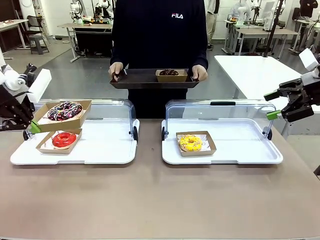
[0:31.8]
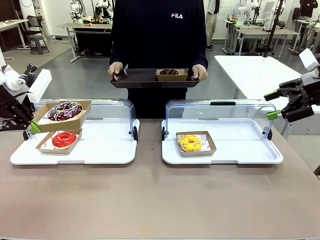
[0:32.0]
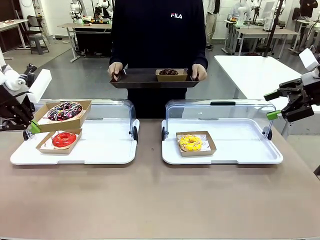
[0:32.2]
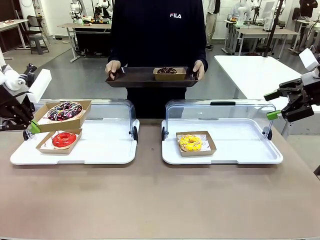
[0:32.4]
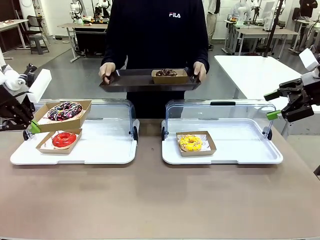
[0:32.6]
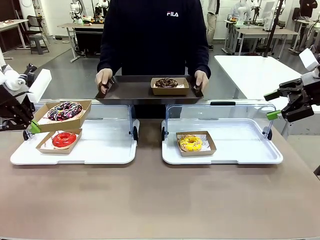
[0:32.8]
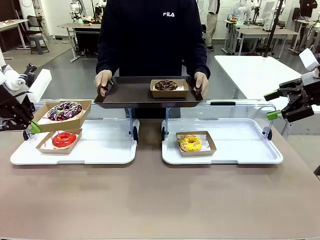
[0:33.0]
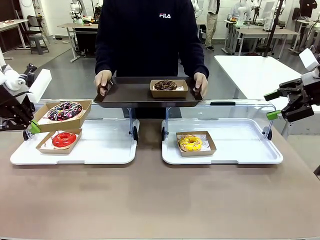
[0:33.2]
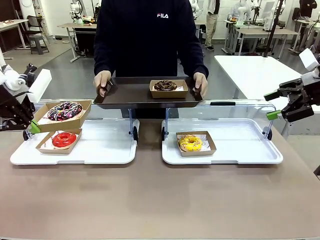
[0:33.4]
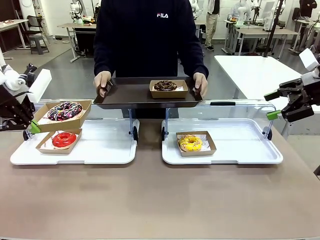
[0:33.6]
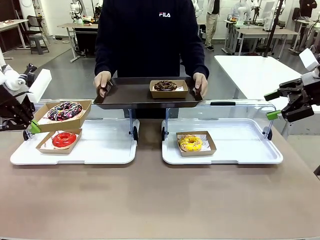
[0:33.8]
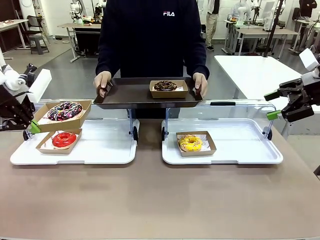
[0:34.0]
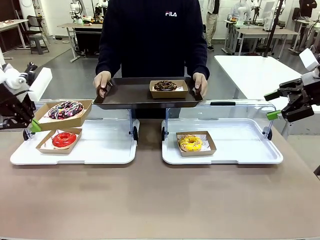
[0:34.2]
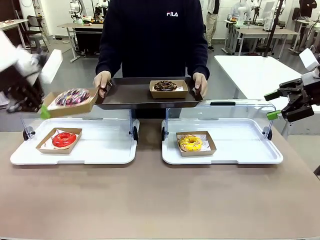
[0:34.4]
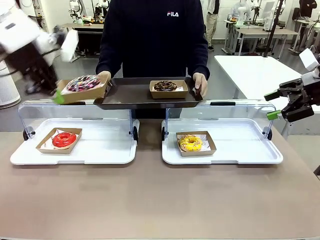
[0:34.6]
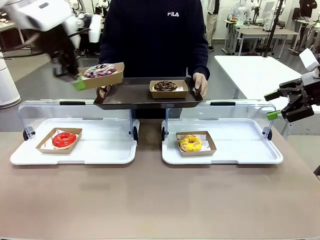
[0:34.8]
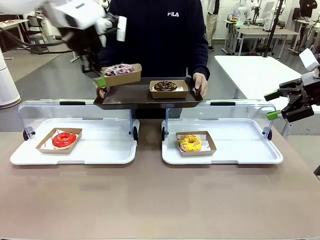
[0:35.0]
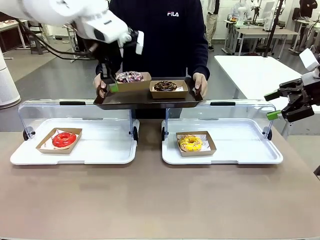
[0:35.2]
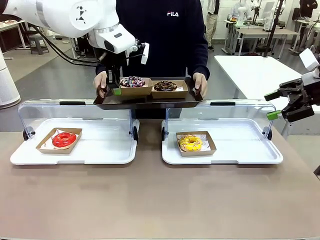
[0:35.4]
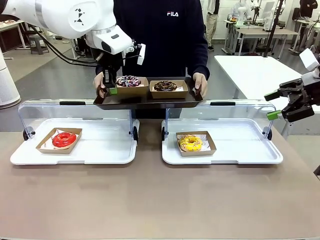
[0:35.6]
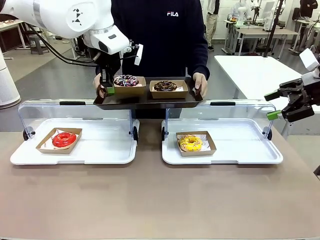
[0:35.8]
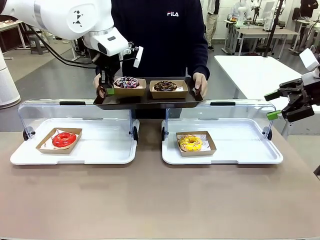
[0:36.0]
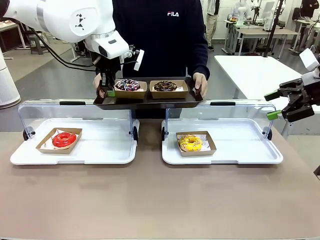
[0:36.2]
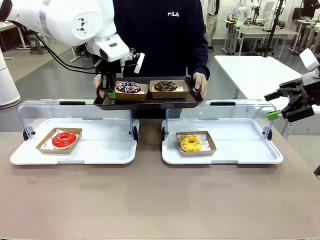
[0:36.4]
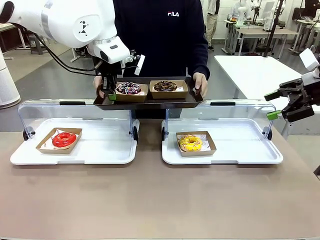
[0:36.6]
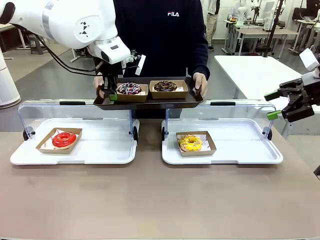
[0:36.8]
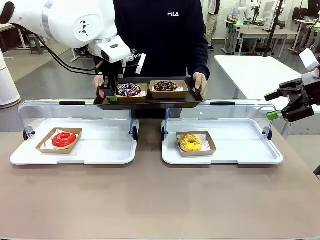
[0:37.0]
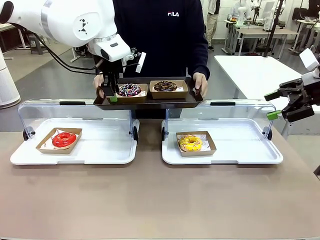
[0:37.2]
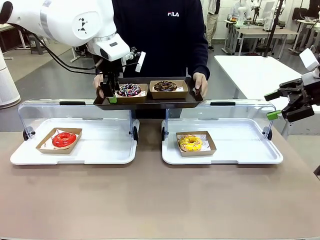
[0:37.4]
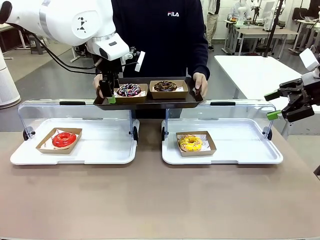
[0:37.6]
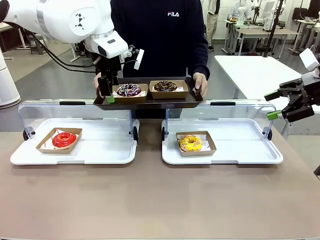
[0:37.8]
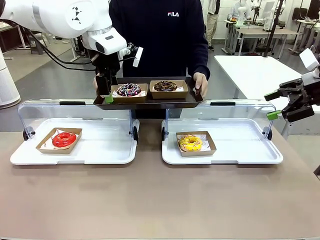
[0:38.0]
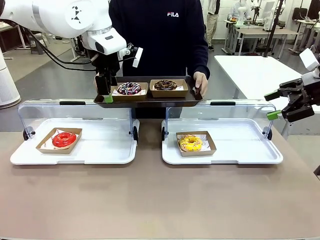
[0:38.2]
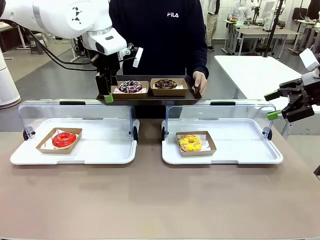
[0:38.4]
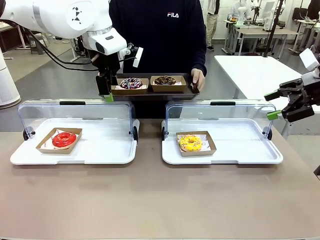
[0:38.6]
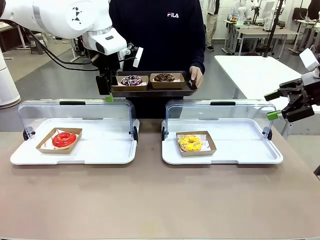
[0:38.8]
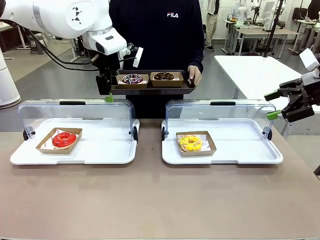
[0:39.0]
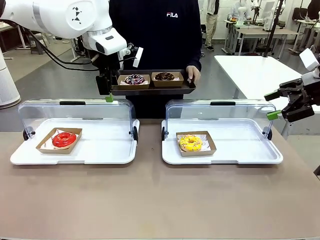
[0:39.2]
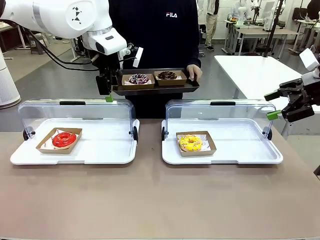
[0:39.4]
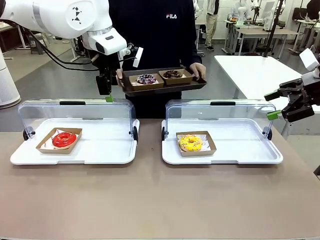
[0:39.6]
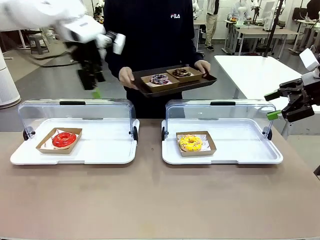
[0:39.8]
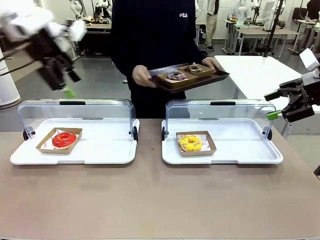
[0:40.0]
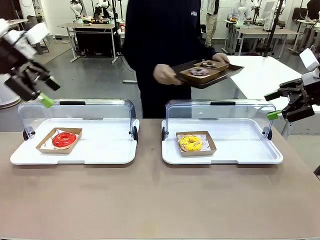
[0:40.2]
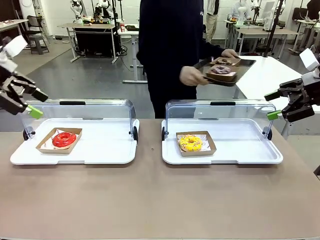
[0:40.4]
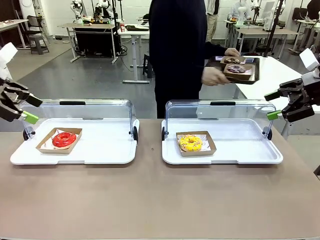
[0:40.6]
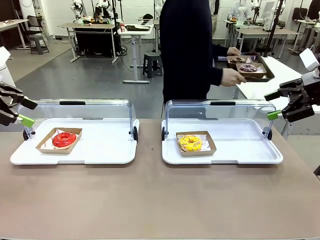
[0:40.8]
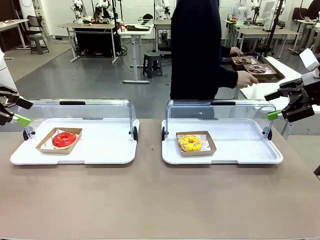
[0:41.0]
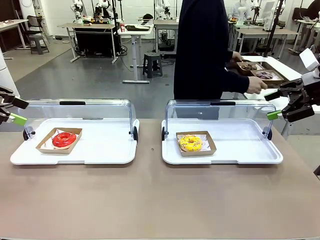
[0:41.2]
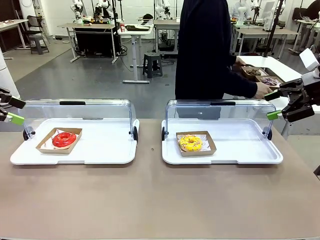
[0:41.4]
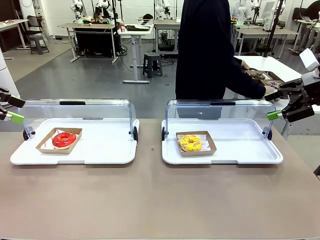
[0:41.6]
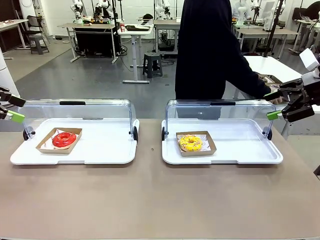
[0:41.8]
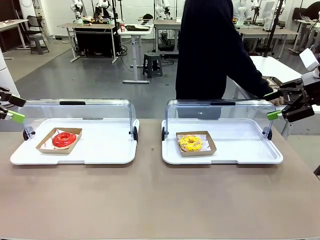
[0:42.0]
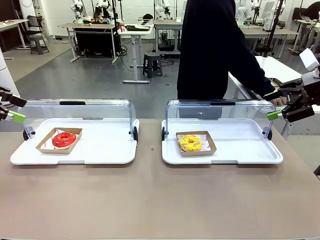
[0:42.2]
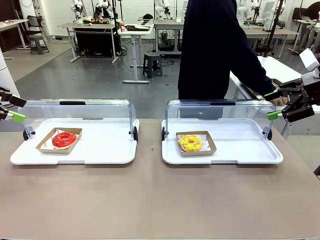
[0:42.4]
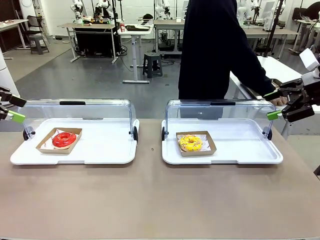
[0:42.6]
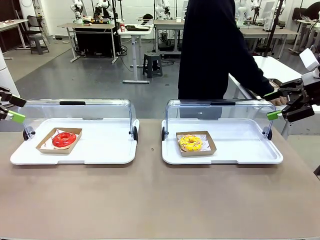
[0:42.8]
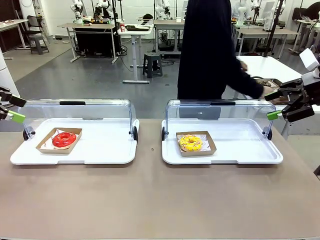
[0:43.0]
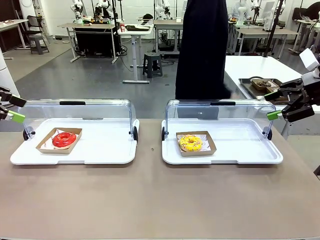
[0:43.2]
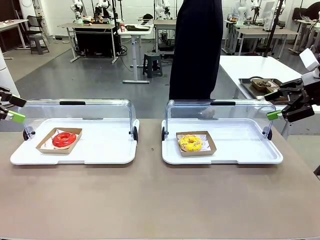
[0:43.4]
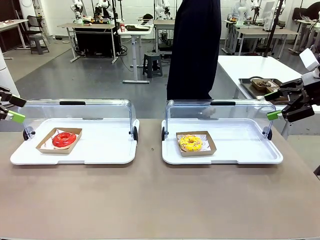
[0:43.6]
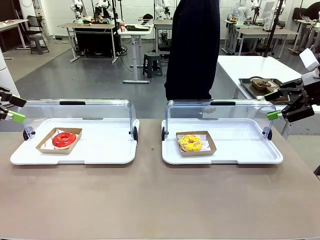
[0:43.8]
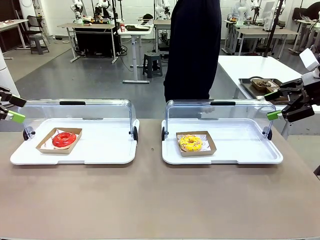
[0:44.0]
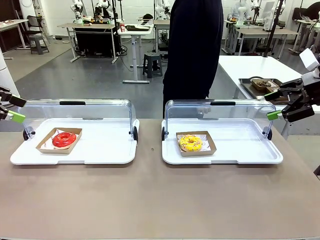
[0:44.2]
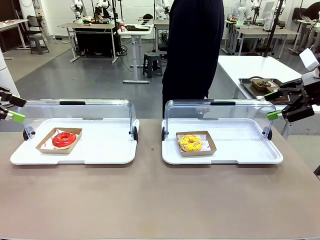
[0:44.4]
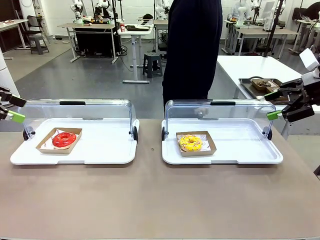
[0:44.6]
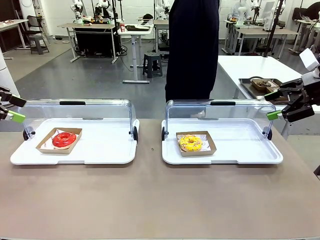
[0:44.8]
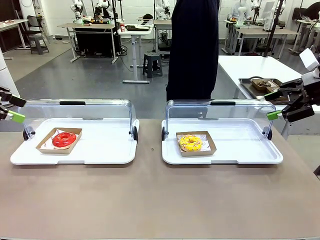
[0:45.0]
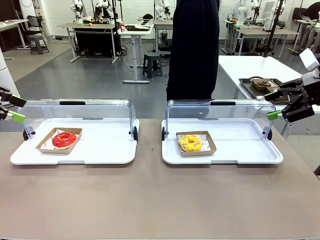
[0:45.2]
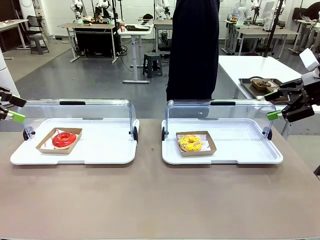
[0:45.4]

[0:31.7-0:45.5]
Task: Provide the desired donut to the person.
Robot: Place the picked Paper togo box onto the Handle tray extended by the person.
Person: Place the tray in the middle of the human table.

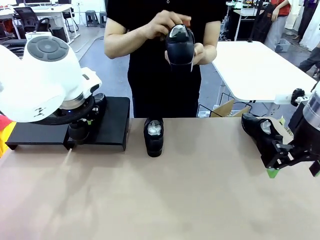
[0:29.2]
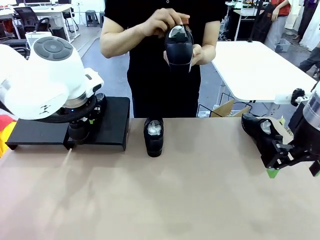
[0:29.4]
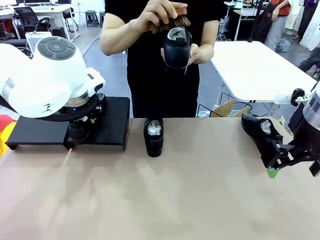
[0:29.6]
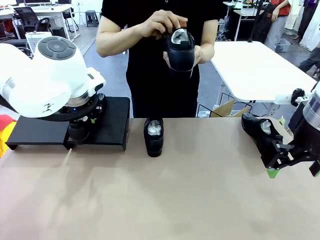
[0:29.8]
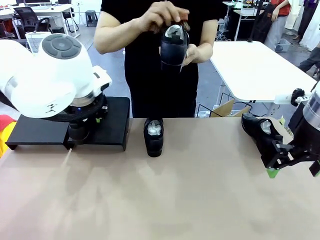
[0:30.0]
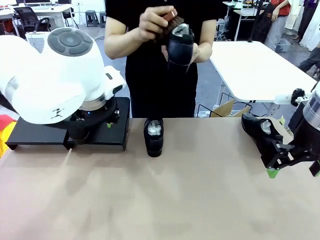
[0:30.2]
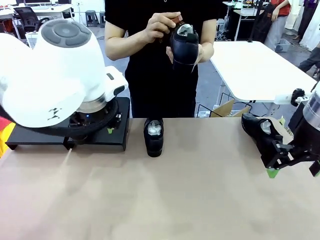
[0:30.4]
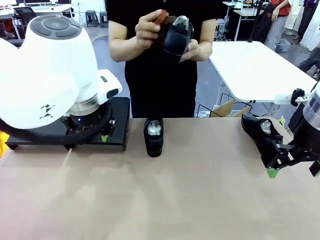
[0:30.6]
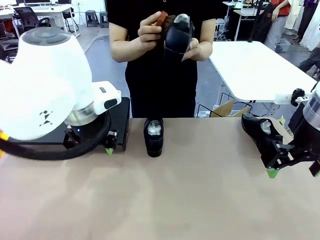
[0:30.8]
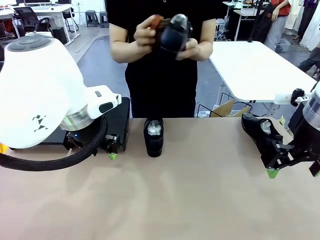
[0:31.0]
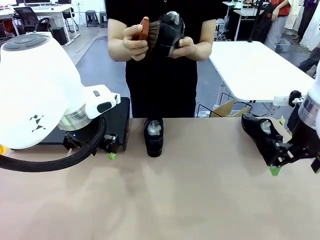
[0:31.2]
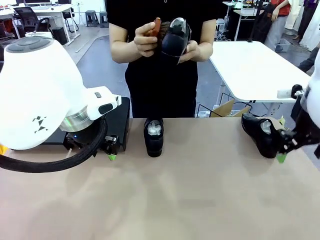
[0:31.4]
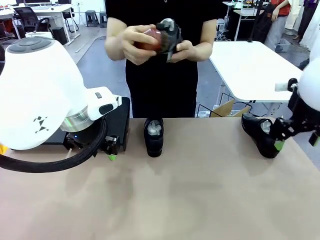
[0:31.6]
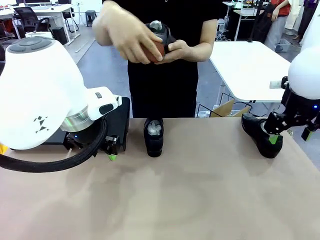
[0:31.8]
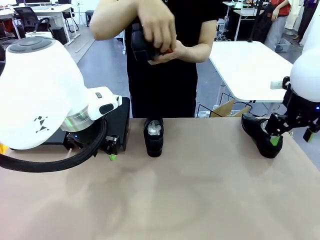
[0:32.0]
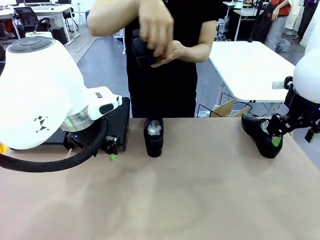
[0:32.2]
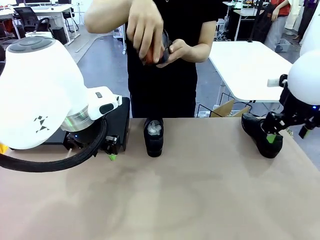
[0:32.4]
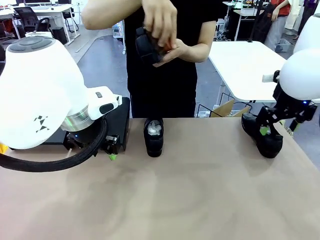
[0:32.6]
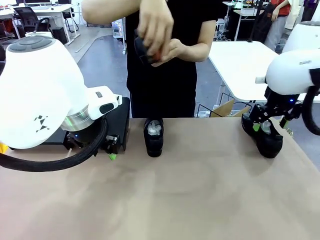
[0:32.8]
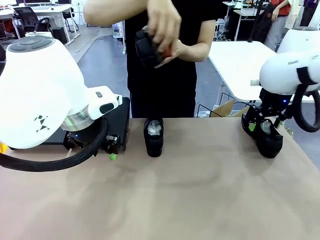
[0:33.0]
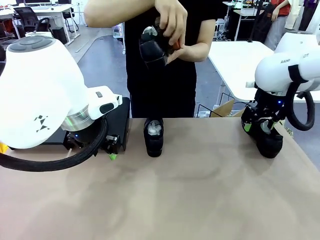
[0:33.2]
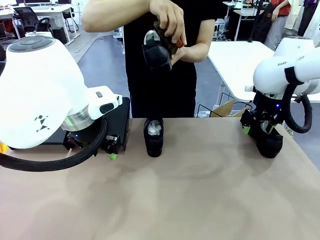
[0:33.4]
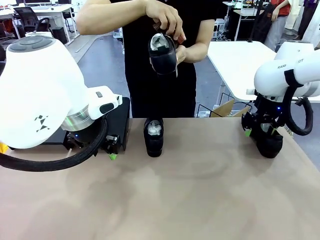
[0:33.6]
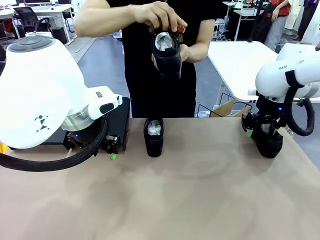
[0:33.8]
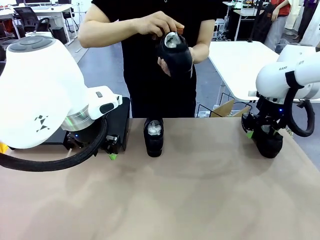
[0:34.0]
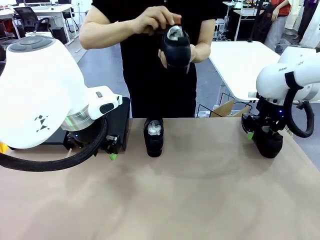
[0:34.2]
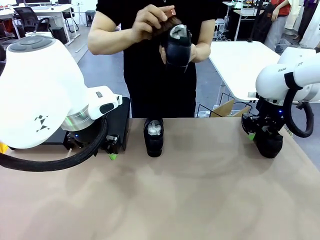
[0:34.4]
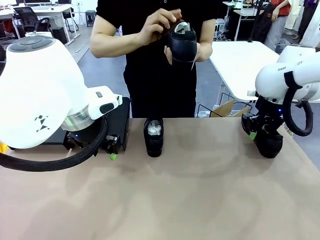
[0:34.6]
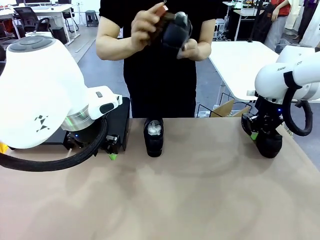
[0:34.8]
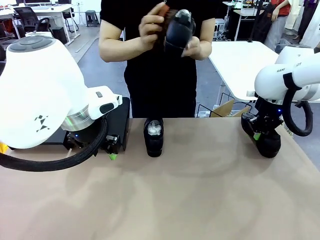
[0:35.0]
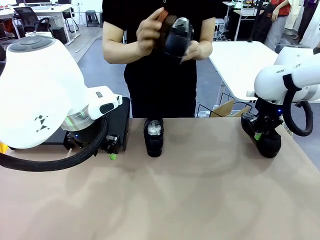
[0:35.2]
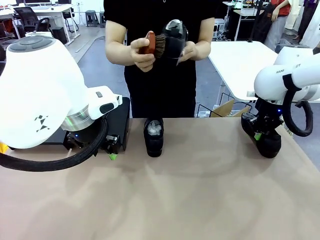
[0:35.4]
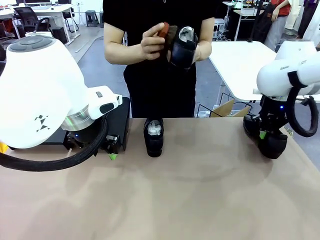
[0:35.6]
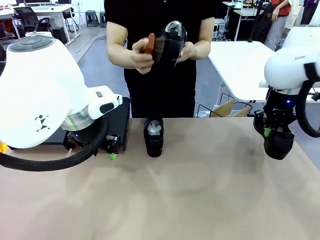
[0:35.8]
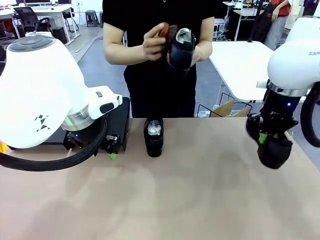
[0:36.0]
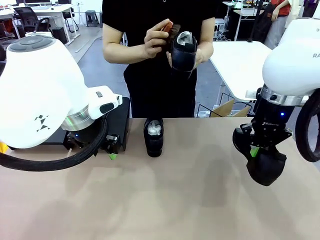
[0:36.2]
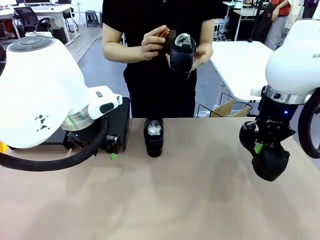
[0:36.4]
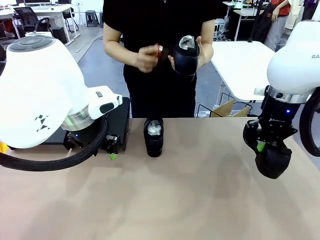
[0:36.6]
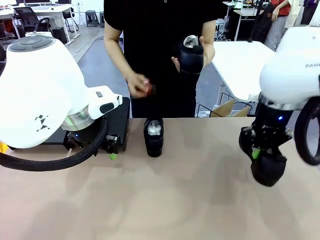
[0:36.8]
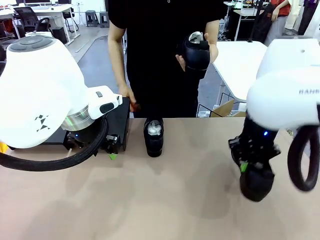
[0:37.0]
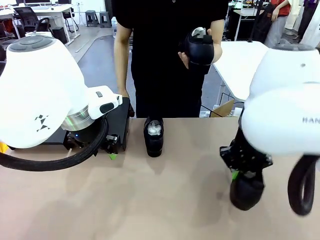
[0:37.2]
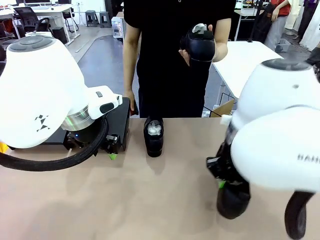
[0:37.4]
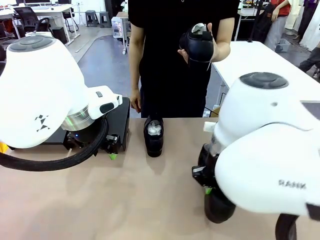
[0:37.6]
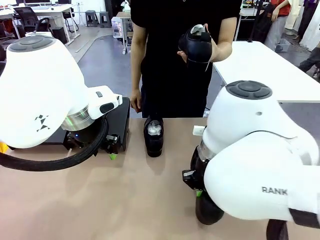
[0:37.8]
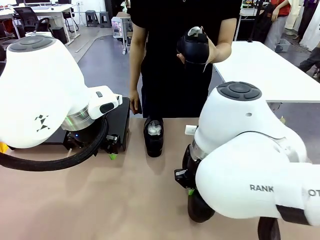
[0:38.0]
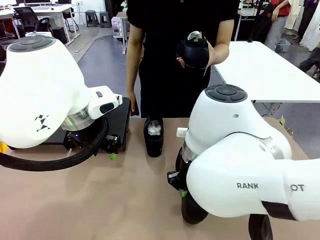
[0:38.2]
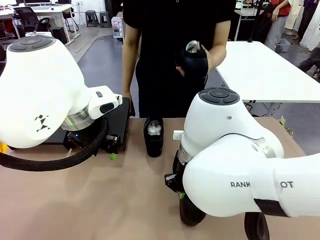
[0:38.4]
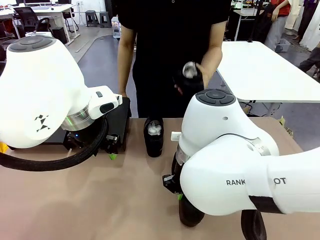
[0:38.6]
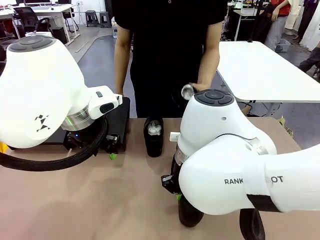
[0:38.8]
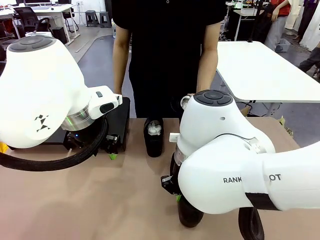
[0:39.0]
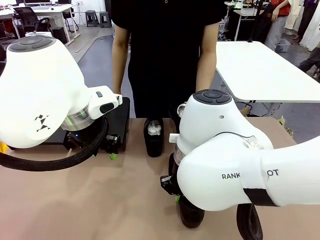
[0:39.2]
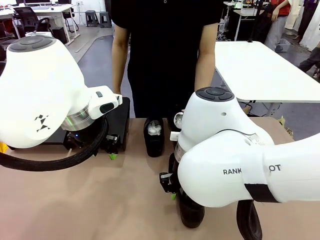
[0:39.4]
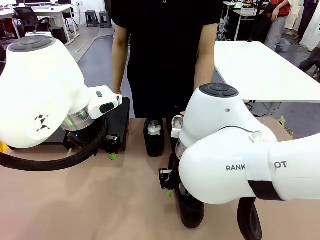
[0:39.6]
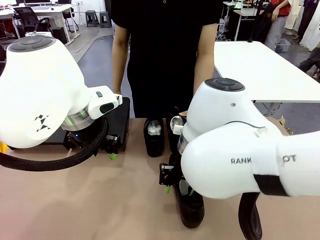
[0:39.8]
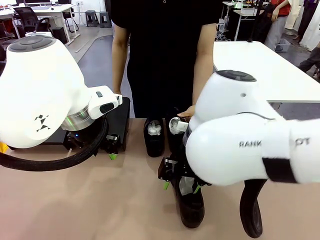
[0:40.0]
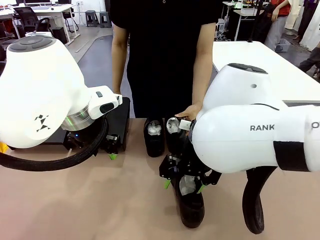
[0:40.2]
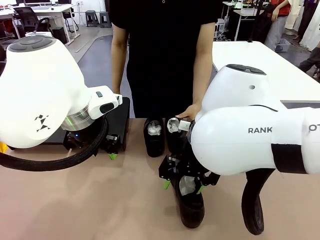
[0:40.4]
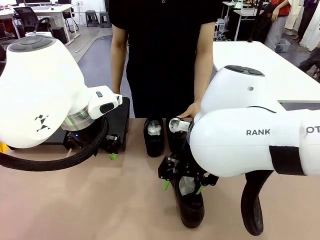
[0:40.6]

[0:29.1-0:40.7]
Task: Organize the shoes by placing them on the stand.
Robot: Pick up one Shoe and place it in the middle of the table.
Person: Clean the Shoe with the Shoe Brush.
